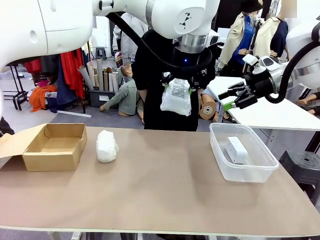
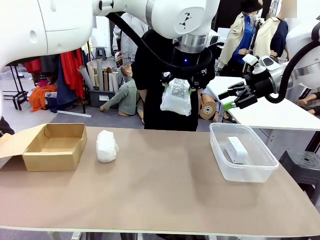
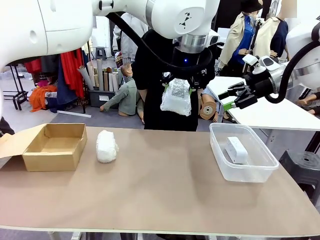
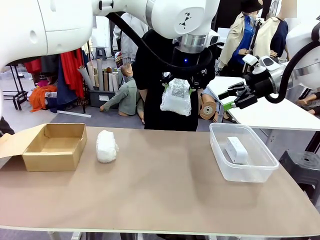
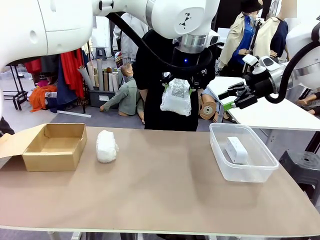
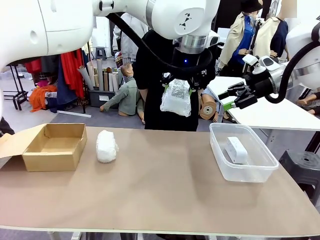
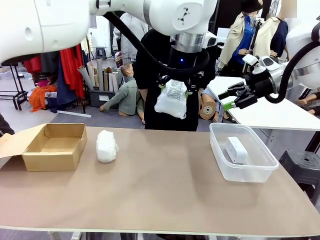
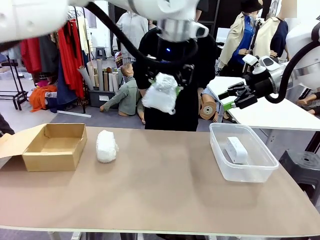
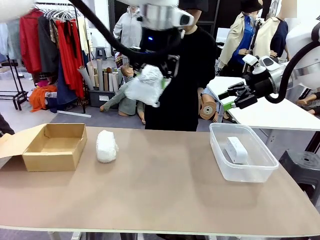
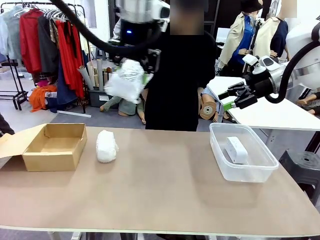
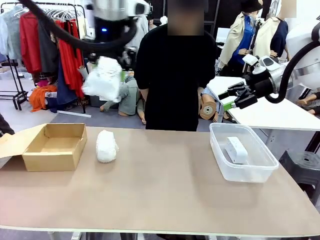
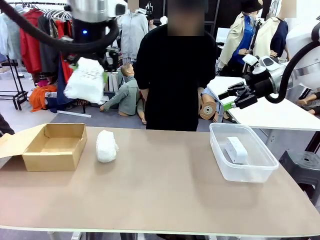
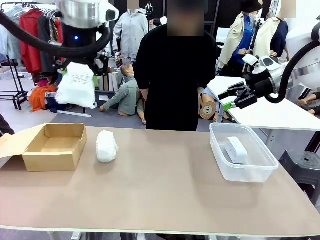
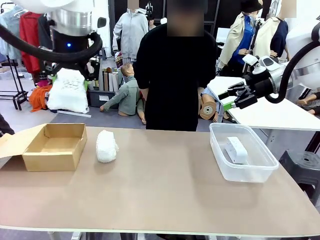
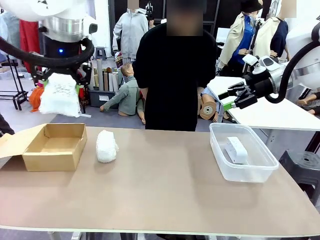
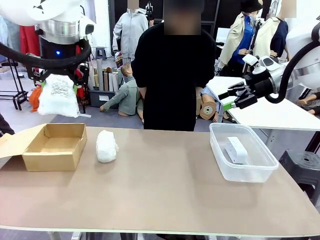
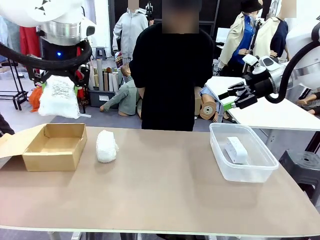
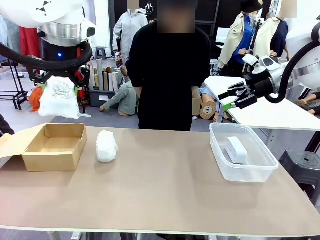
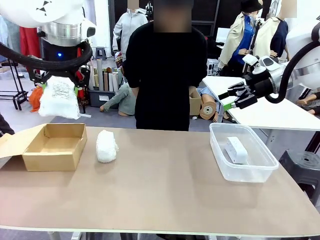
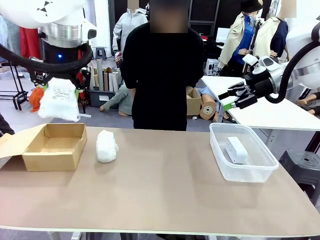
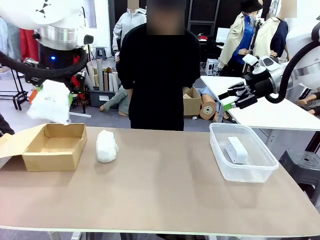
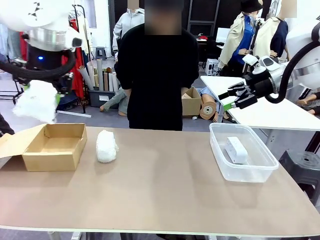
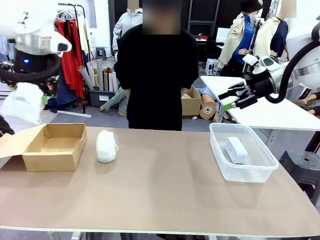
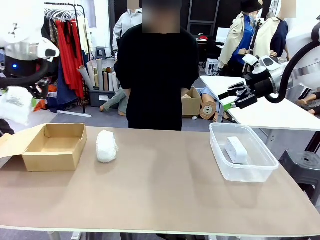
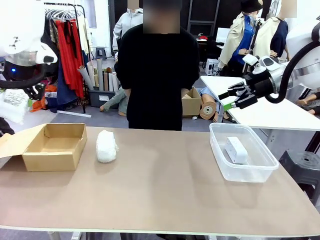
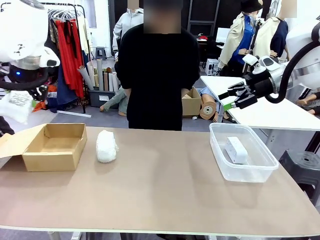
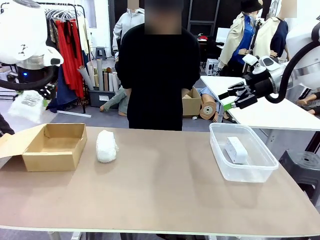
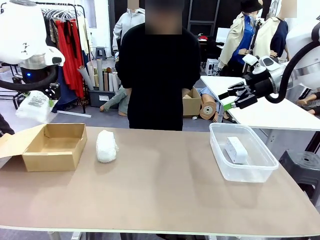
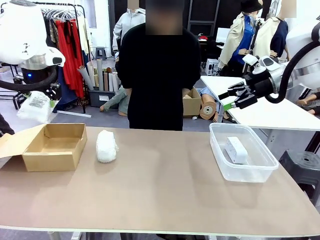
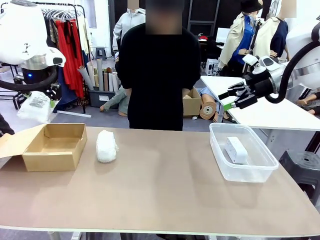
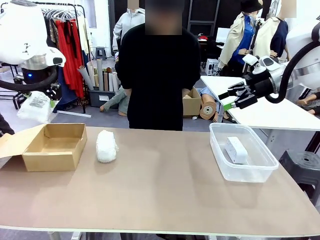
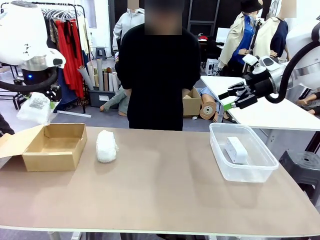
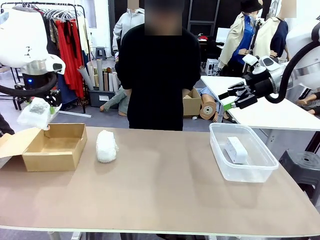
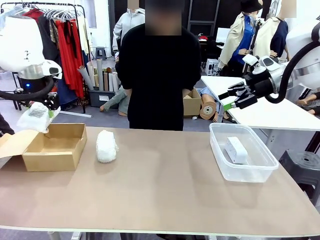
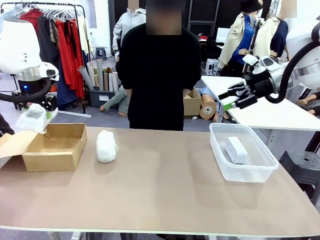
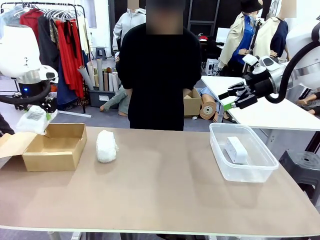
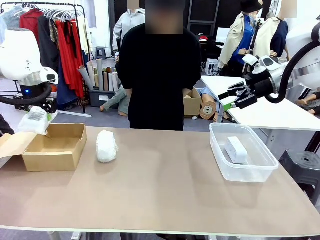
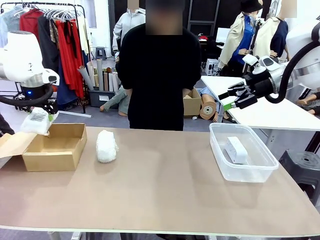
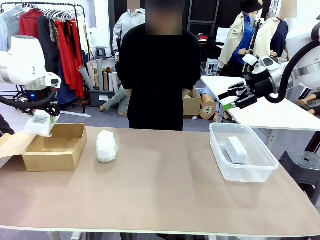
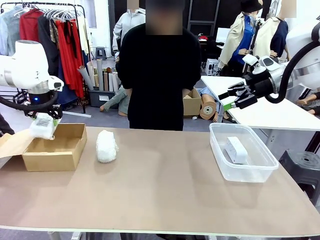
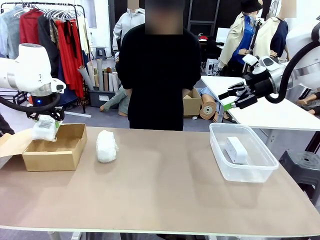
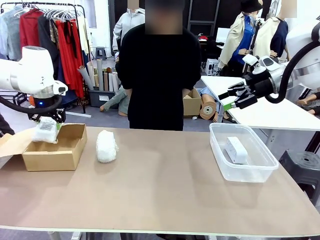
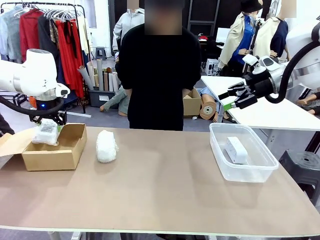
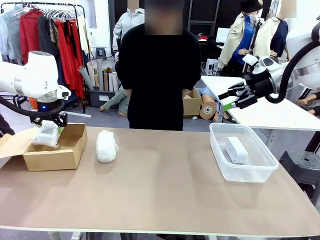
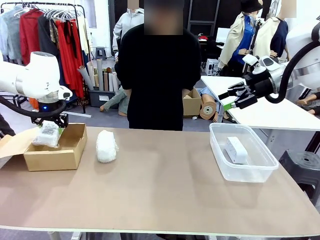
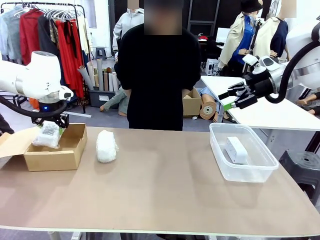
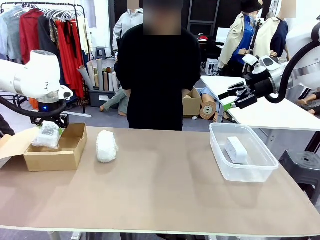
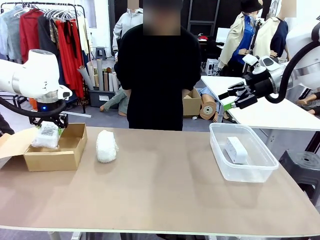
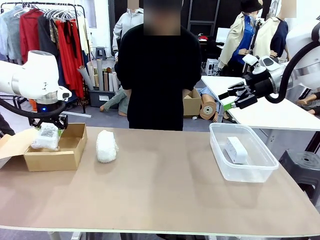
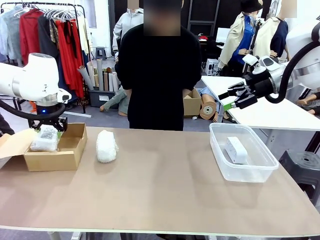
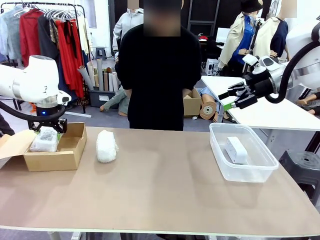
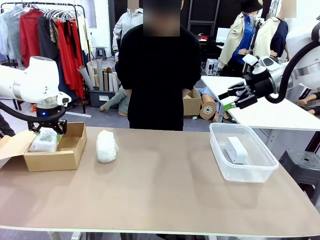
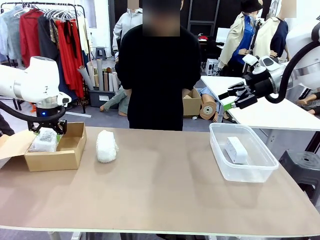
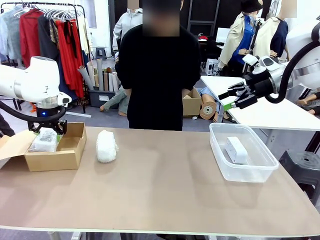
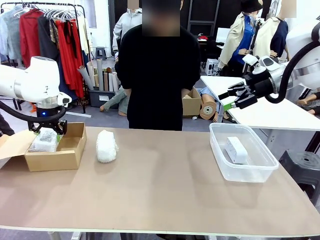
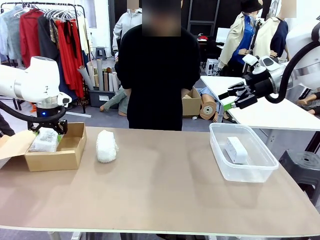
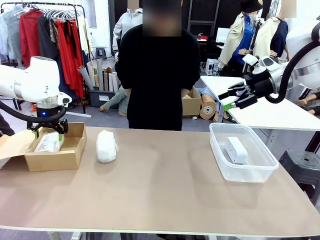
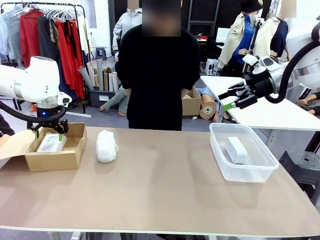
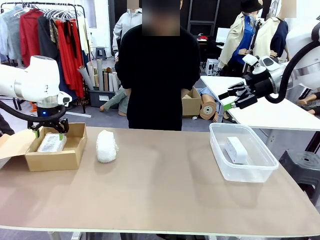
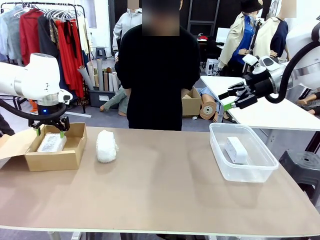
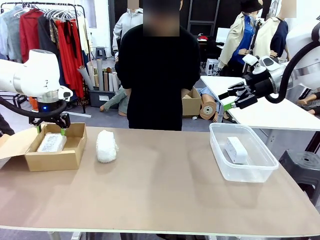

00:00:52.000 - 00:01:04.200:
Task: Separate and place wrapped and unwrapped clocks.
Robot: If the picked Digital clock is wrapped, place it in the Package Box ; if not, place it in the Organizing box.

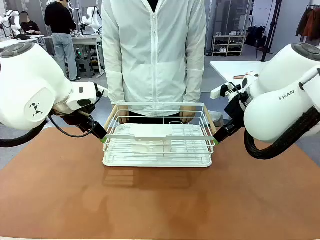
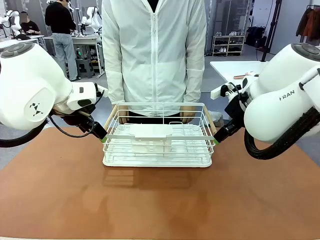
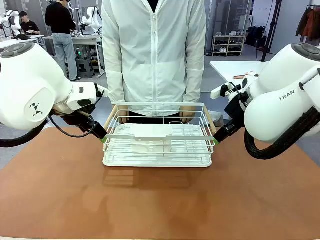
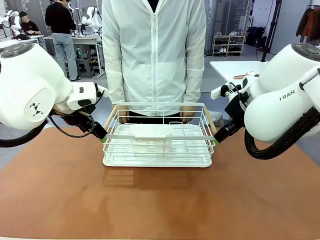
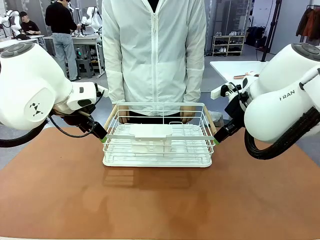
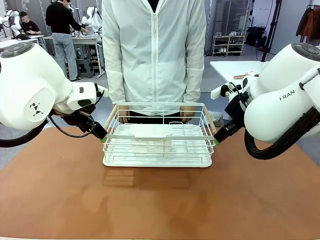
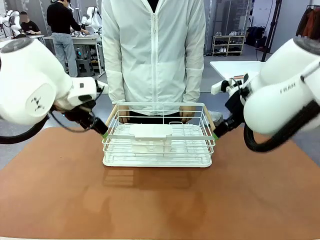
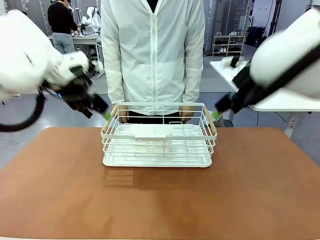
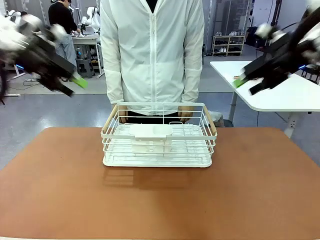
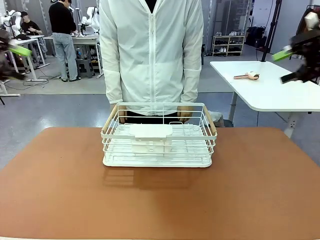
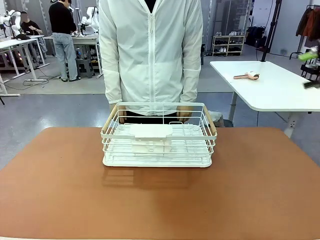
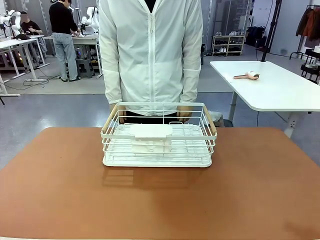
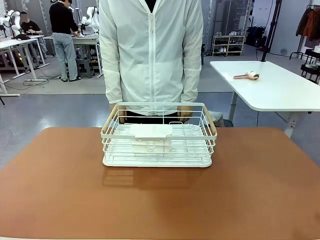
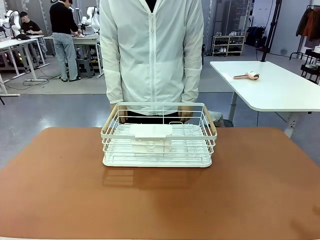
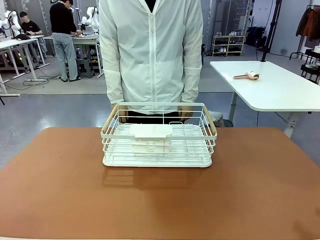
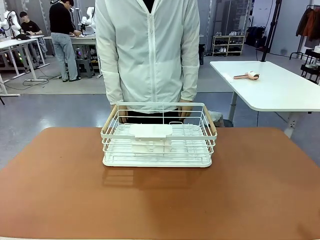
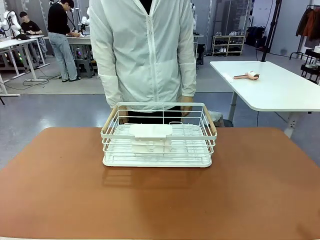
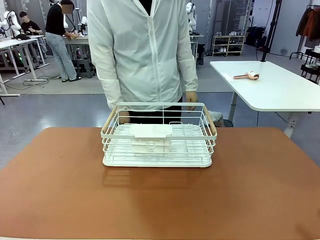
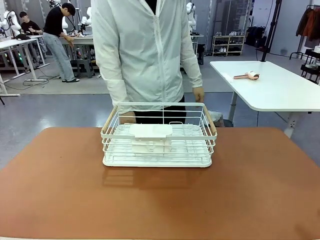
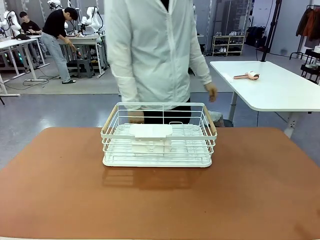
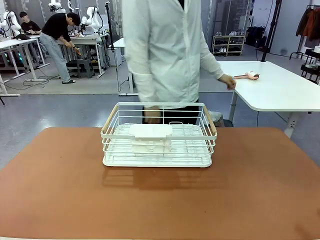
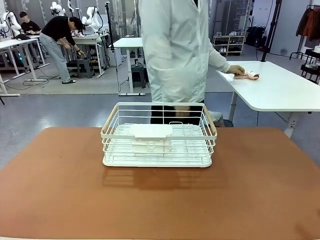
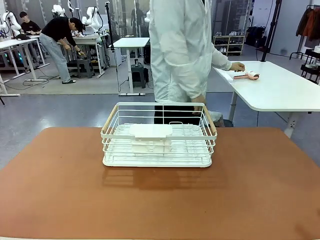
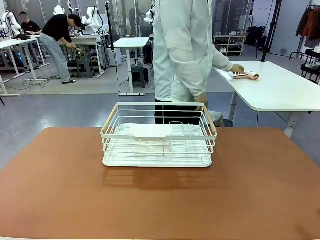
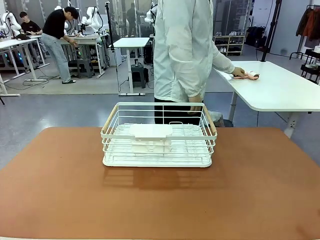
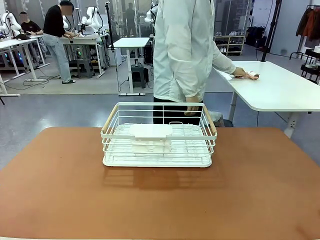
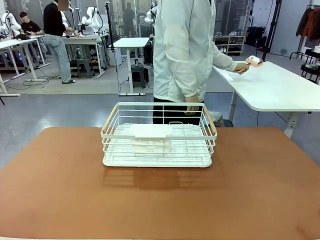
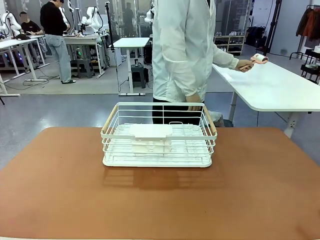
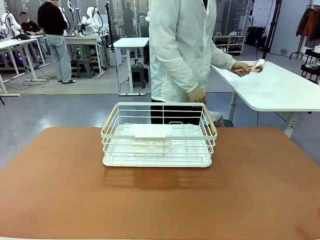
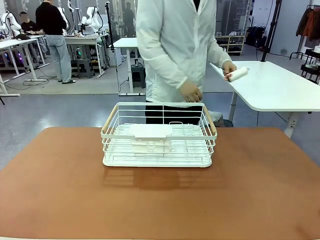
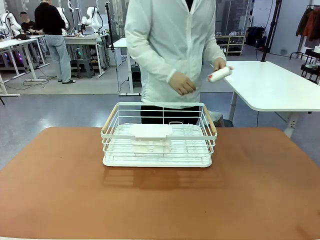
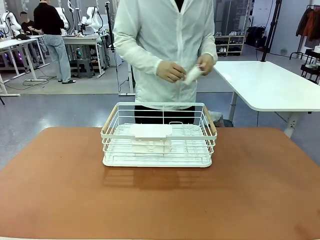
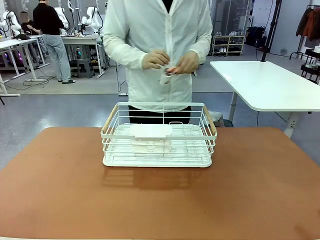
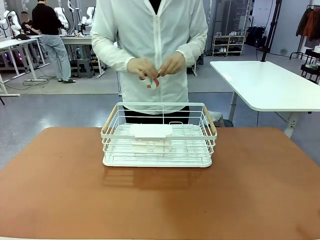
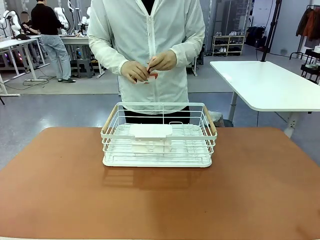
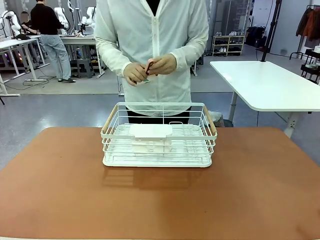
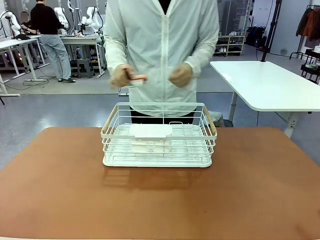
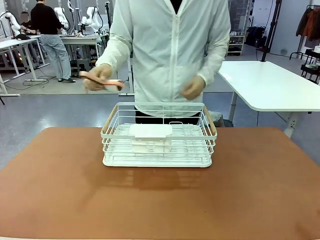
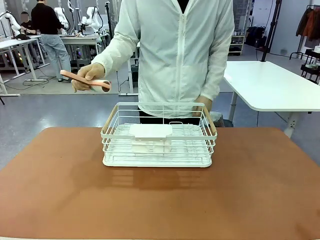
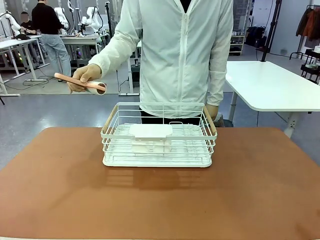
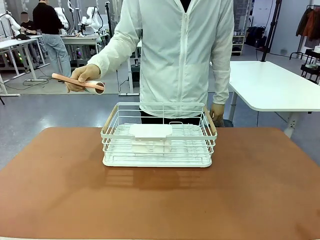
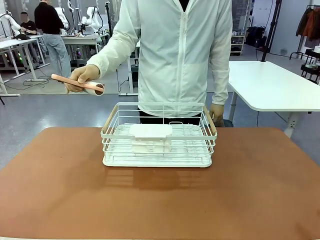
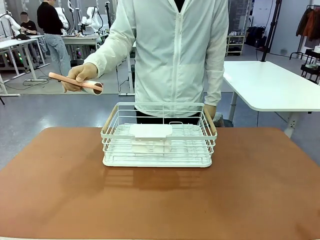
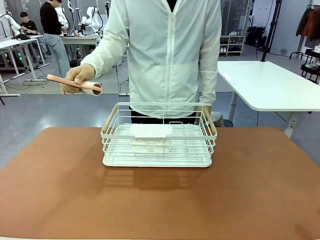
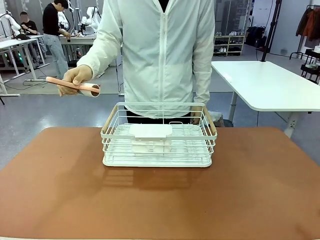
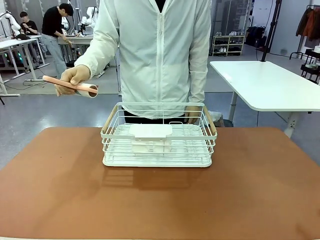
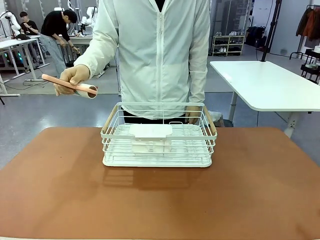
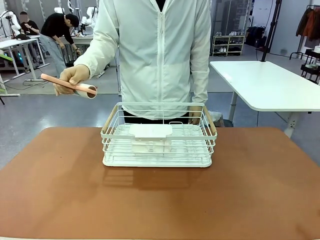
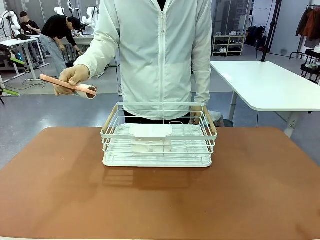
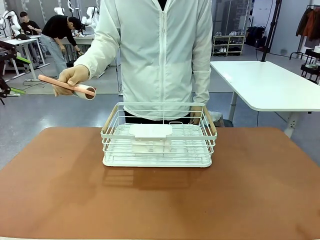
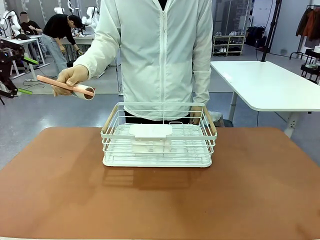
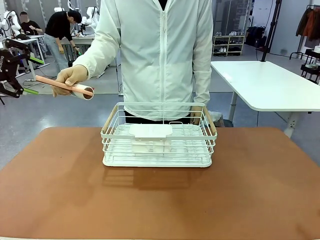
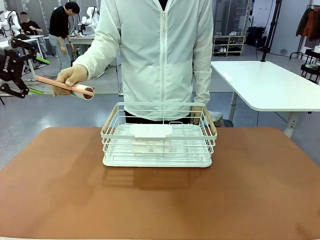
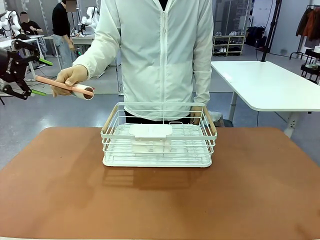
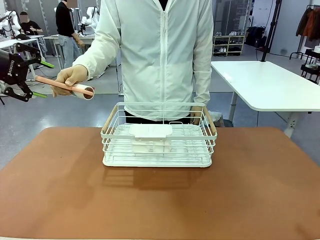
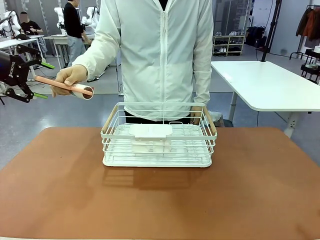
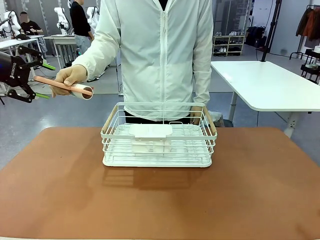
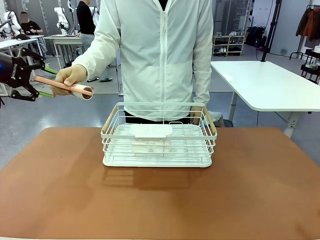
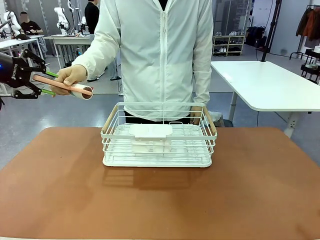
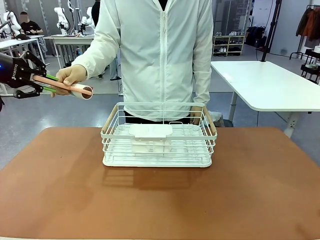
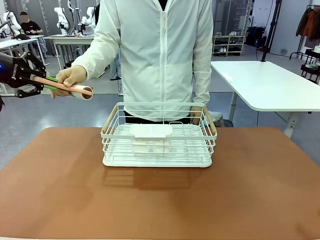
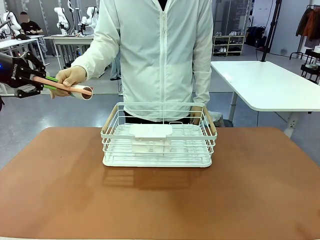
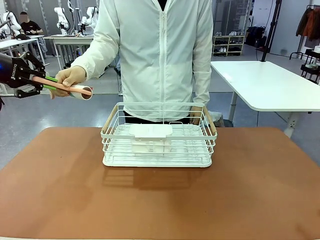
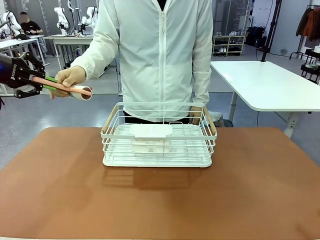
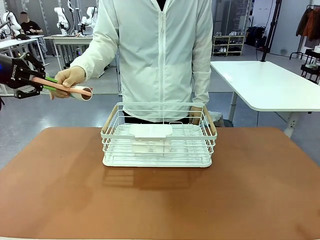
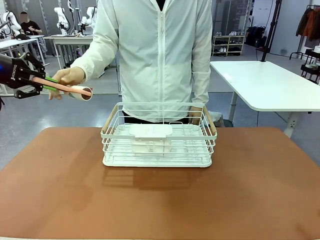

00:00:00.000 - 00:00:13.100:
Task: Clean the table.
Robot: Pick up the Lint Roller when the human hands it over.
Person: Hand the Lint Roller to the robot so it can easily pick it up. Lift the Dish drying rack.
